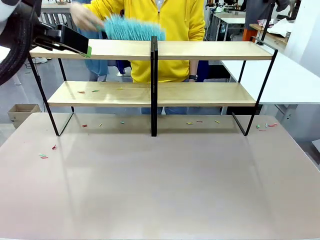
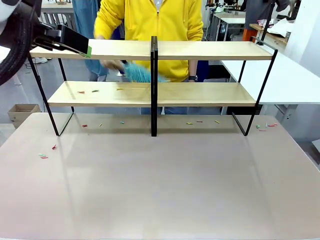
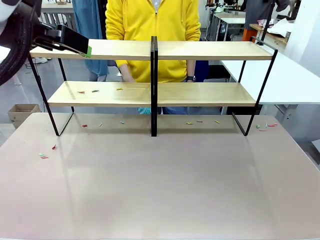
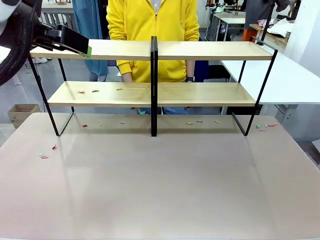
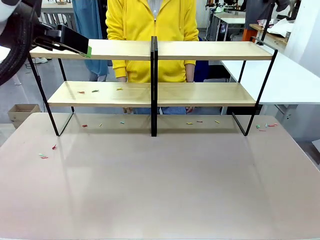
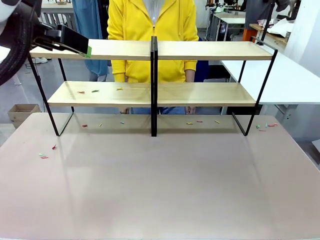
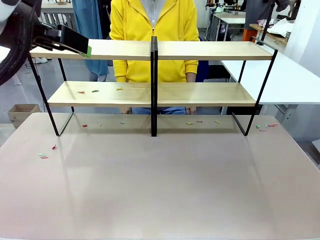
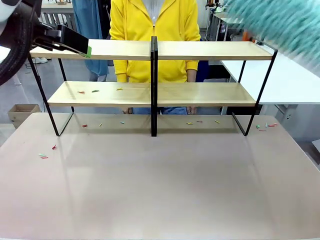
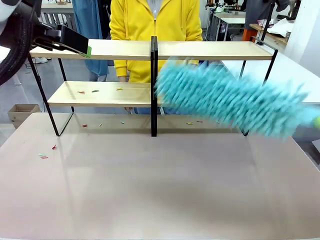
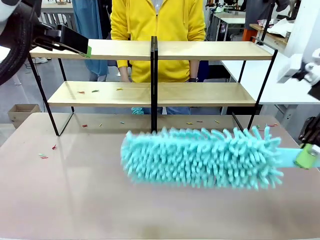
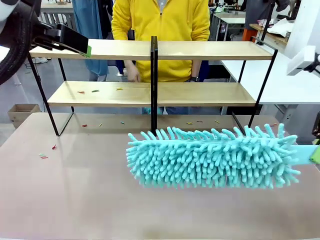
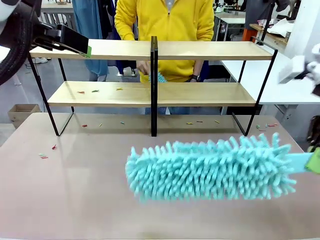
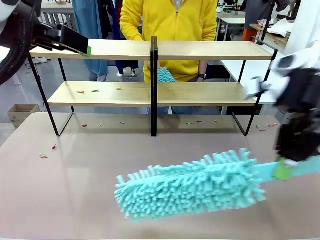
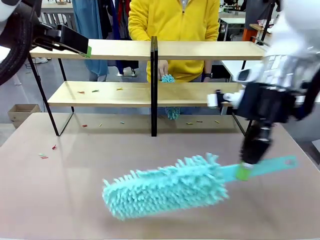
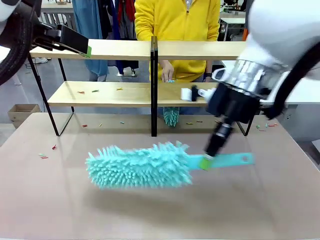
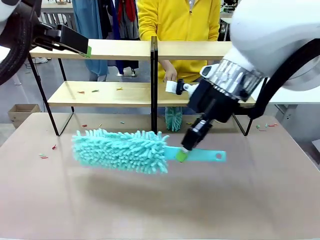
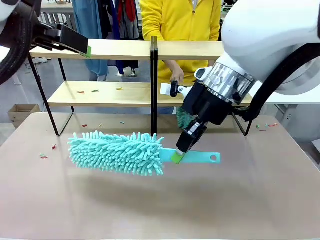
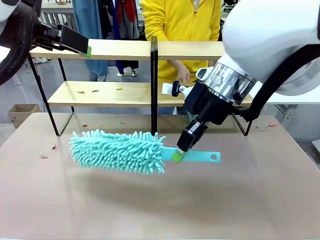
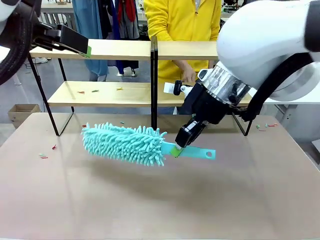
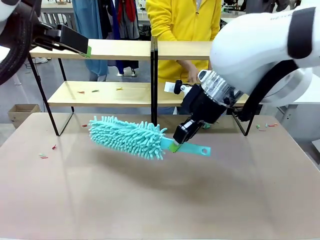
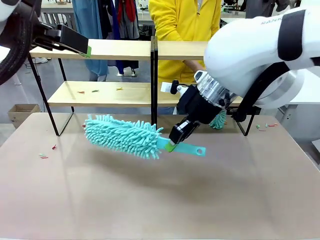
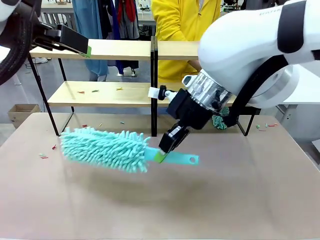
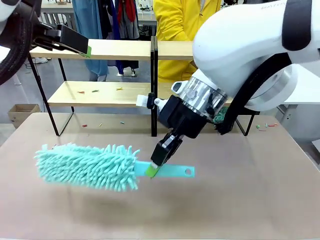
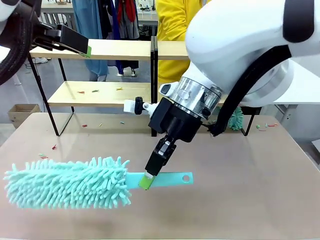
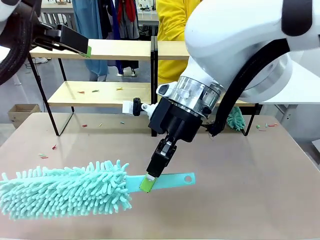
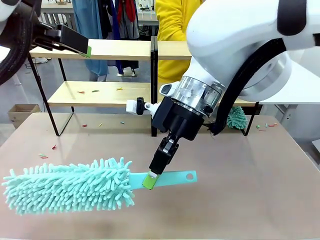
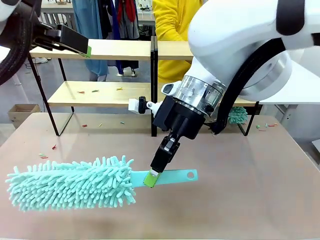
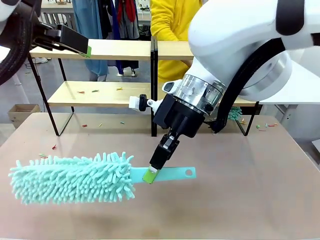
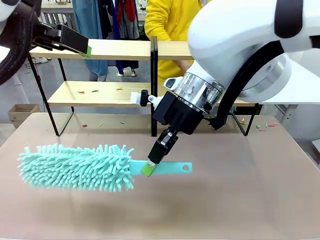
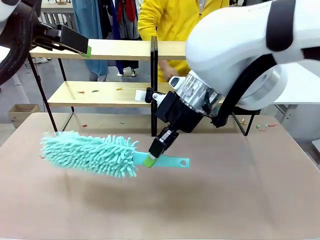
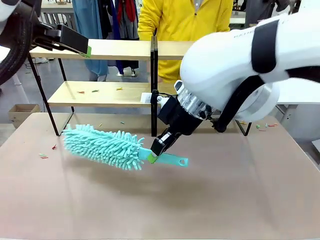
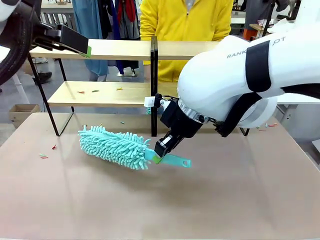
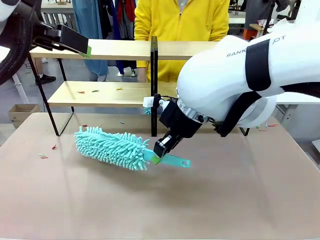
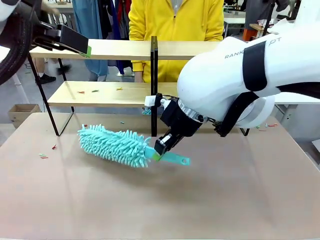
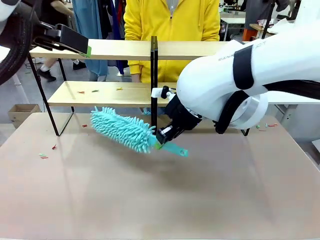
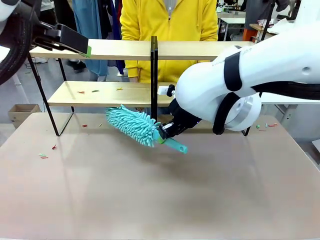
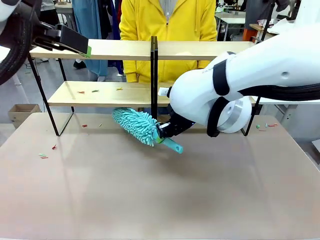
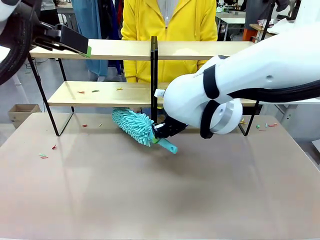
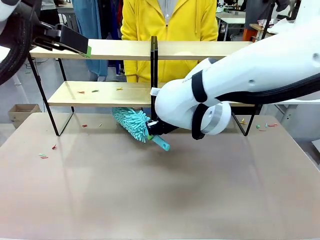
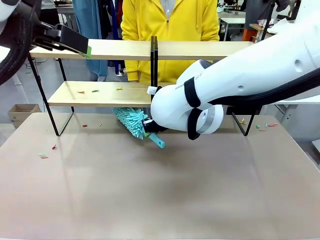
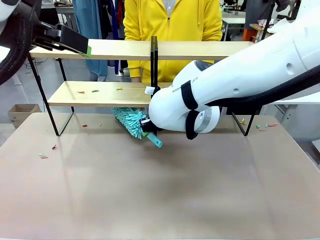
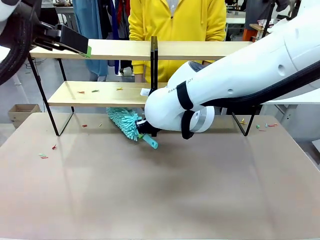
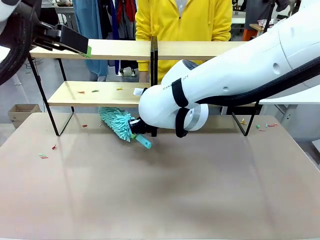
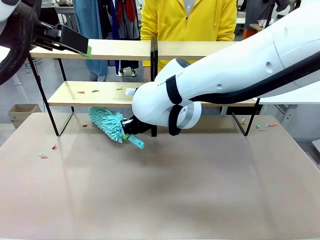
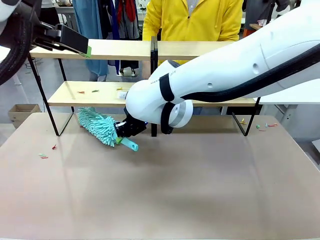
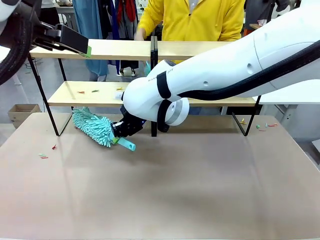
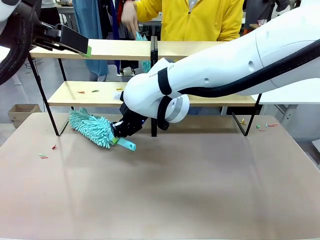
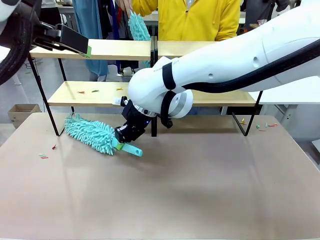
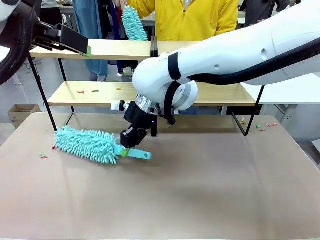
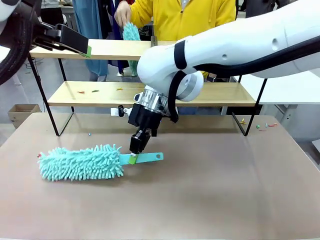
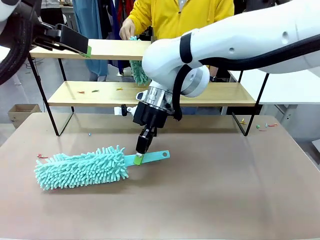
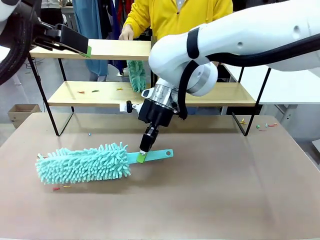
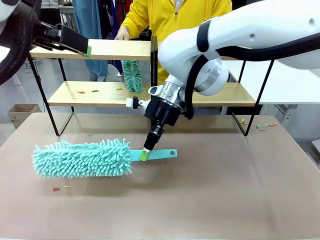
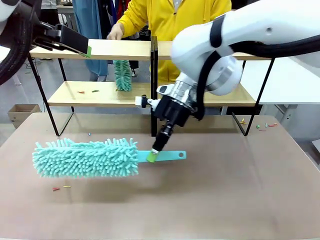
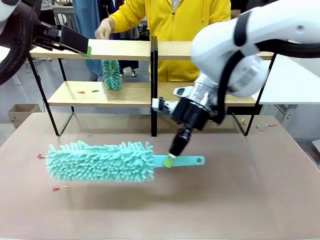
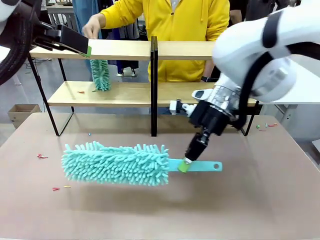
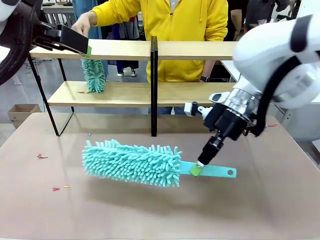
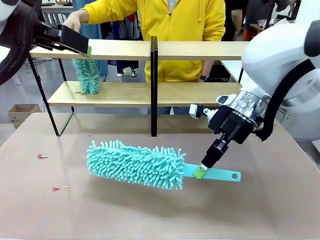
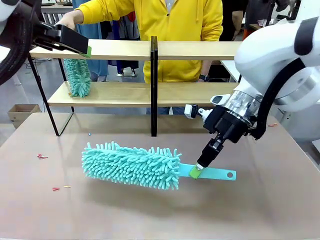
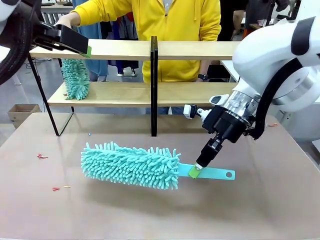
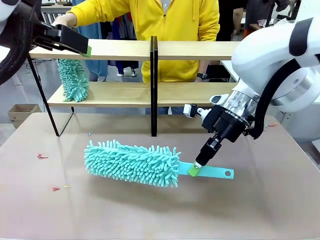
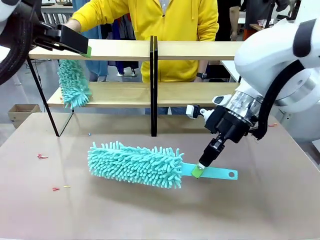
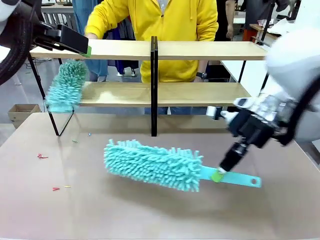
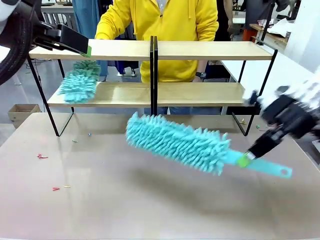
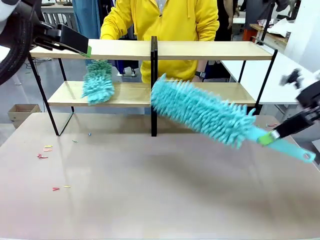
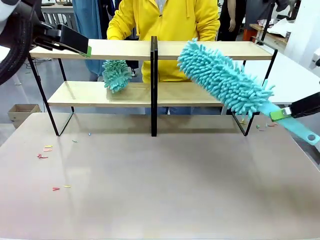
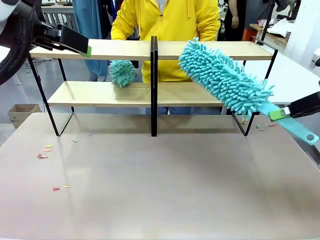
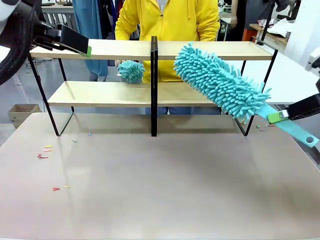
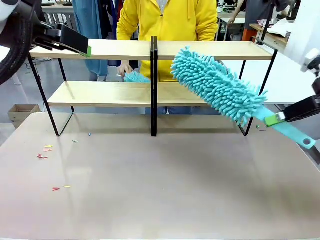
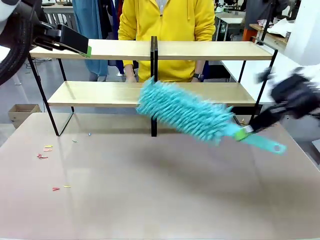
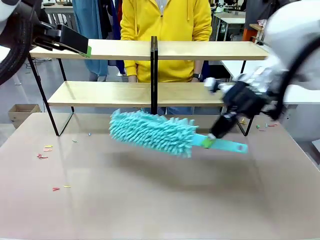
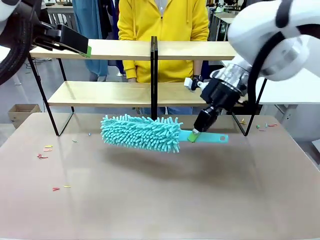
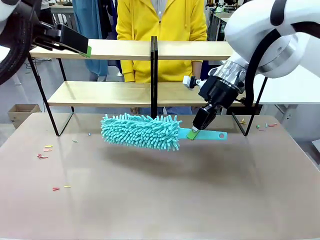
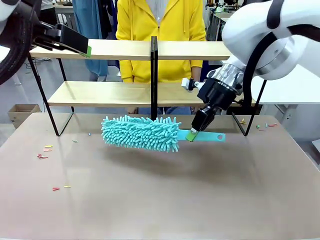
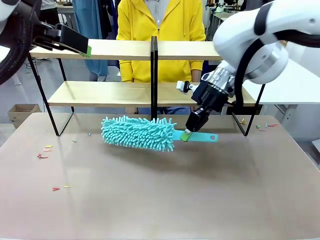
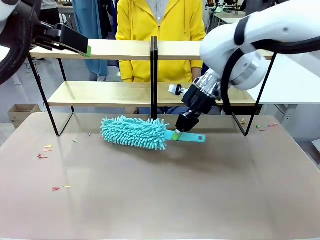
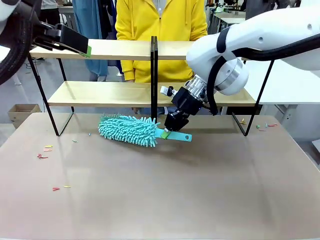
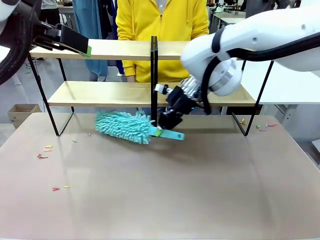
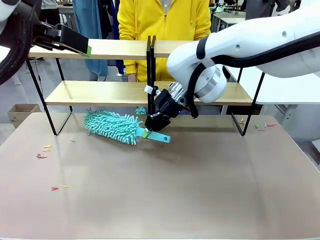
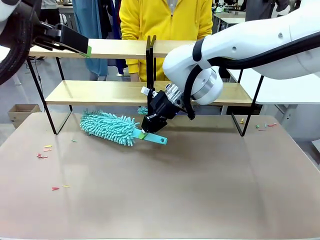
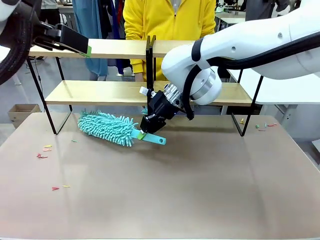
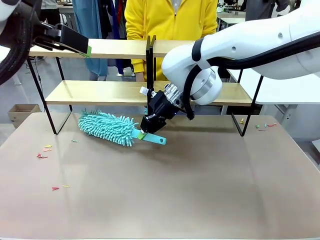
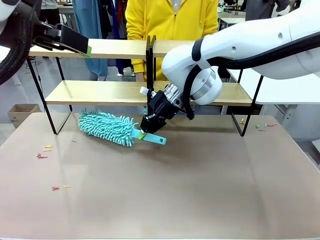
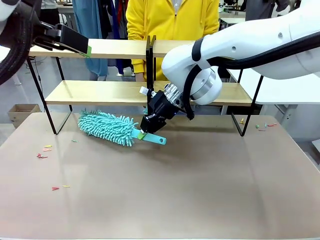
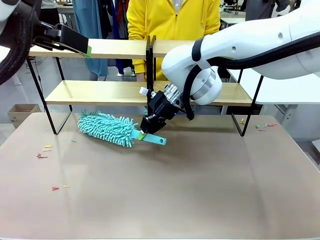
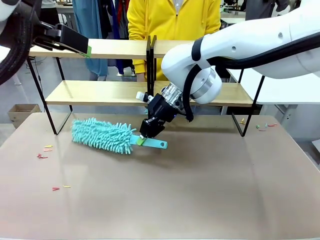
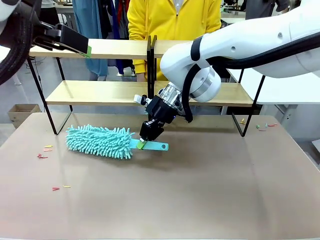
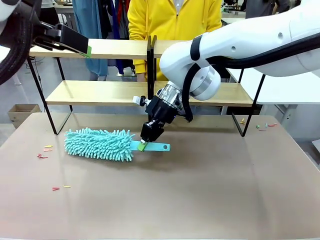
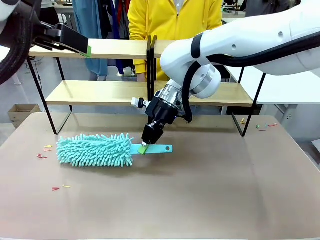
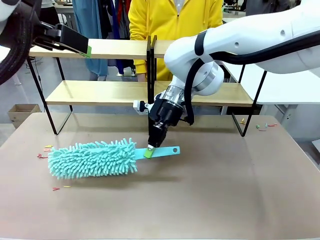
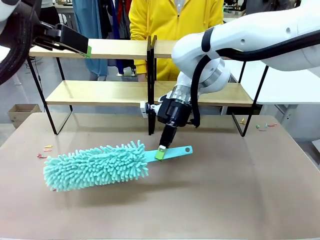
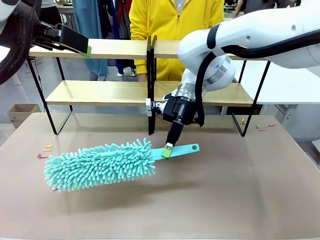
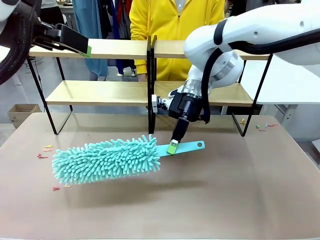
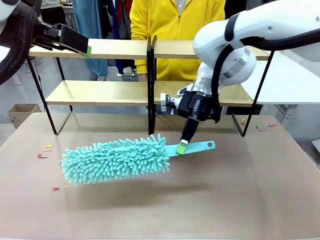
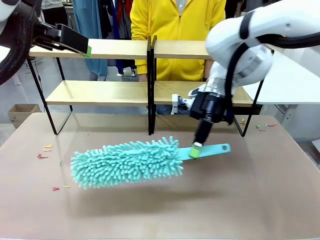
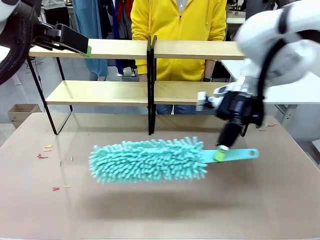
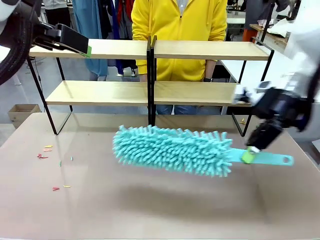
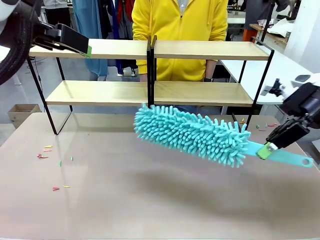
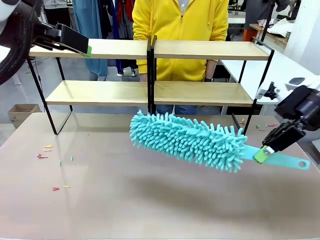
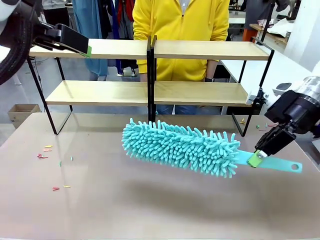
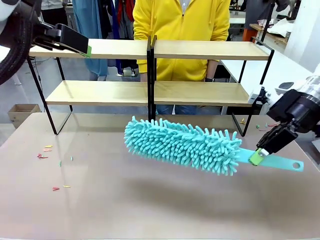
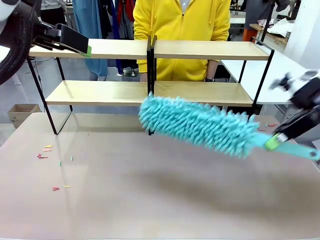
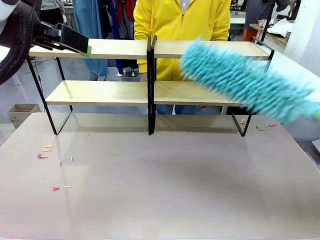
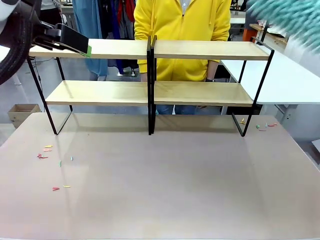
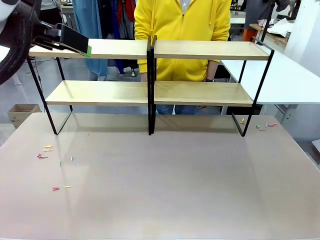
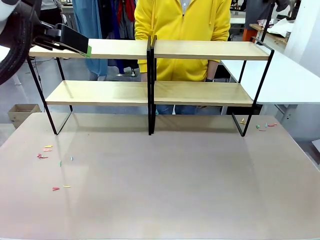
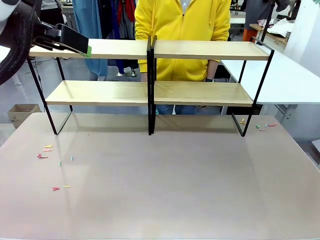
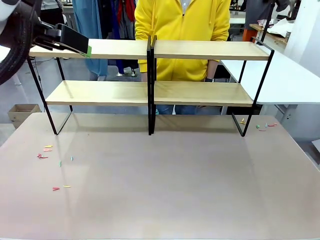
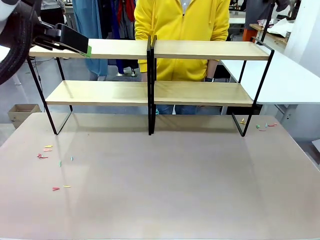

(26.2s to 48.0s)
Task: Clean the shelves.
Robot: Clean another randomly selected level of the Shelf with the Duster.
Person: Clean a randomly selected level of the Shelf with the Duster.
